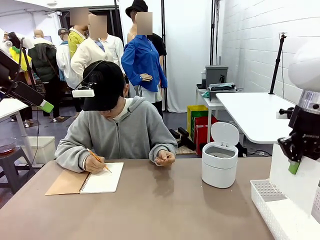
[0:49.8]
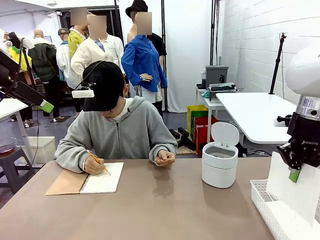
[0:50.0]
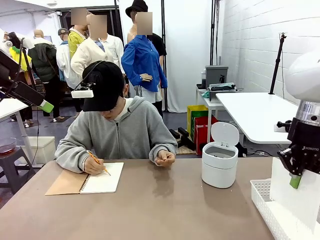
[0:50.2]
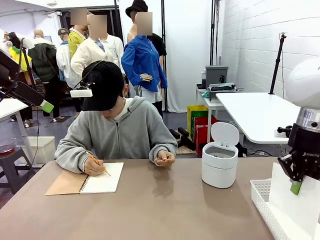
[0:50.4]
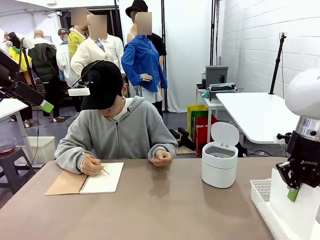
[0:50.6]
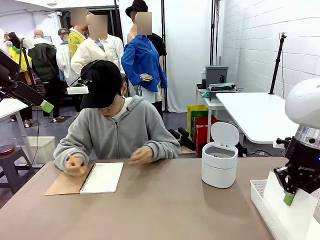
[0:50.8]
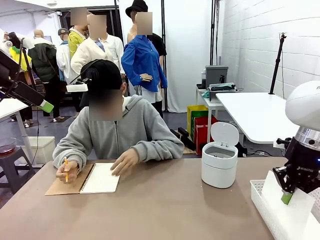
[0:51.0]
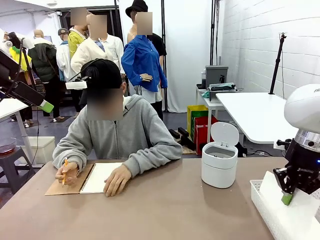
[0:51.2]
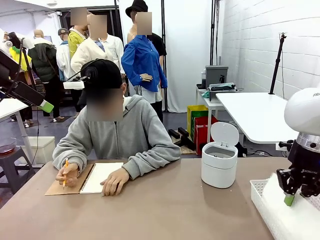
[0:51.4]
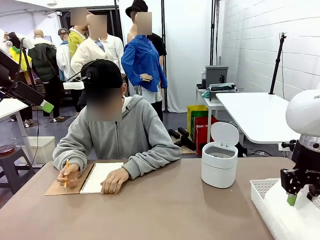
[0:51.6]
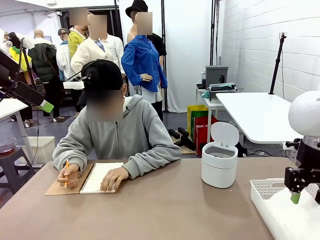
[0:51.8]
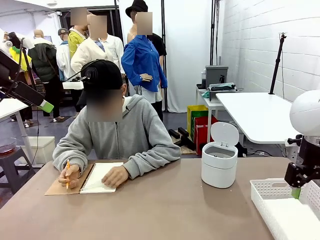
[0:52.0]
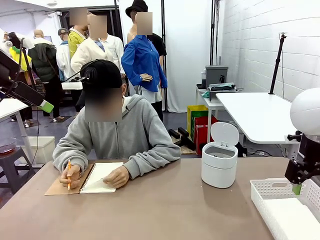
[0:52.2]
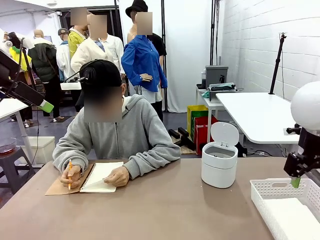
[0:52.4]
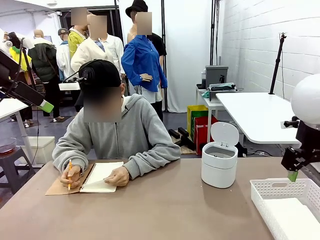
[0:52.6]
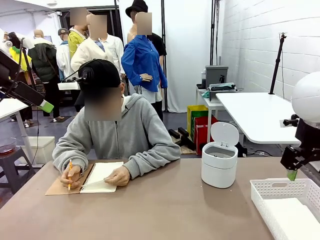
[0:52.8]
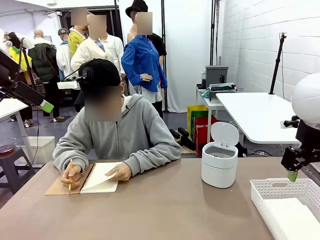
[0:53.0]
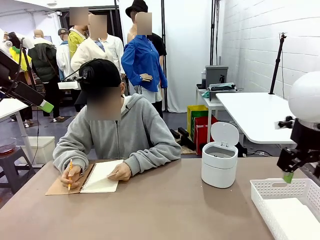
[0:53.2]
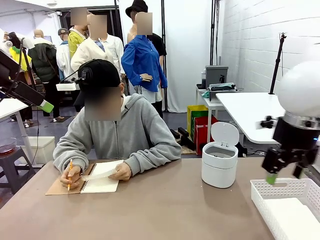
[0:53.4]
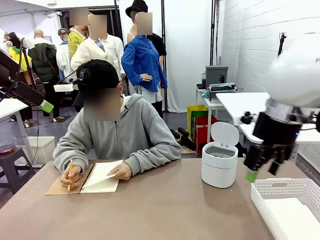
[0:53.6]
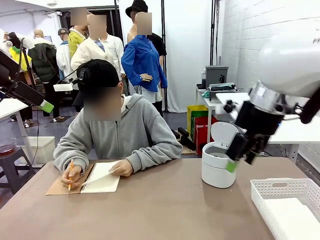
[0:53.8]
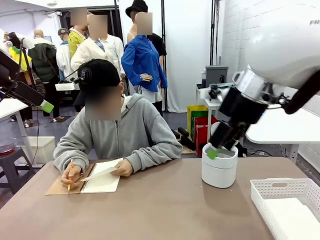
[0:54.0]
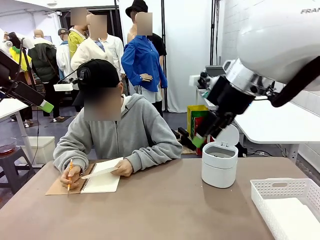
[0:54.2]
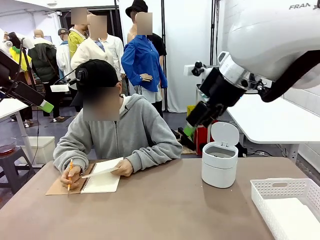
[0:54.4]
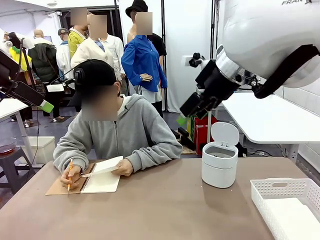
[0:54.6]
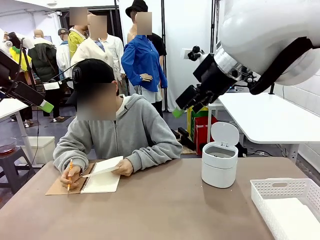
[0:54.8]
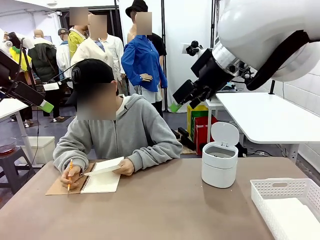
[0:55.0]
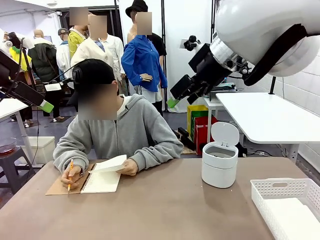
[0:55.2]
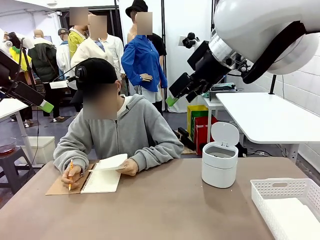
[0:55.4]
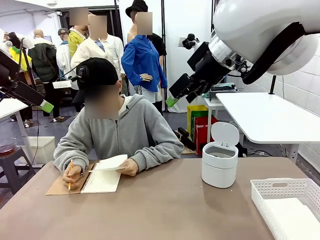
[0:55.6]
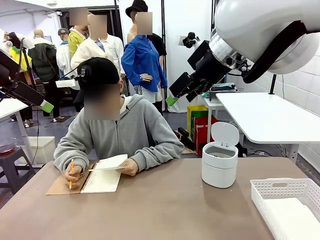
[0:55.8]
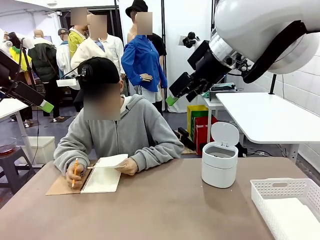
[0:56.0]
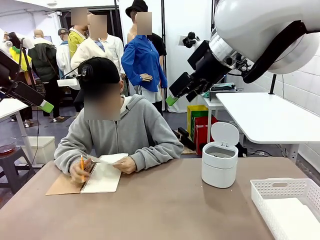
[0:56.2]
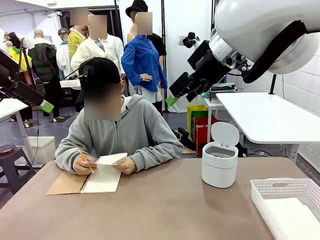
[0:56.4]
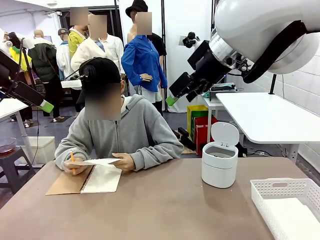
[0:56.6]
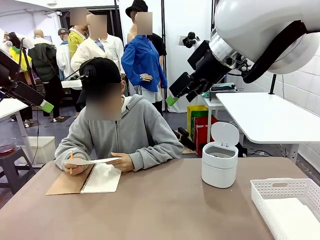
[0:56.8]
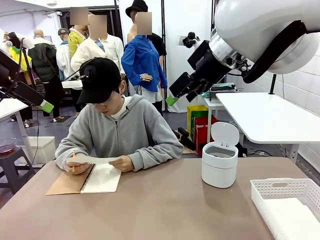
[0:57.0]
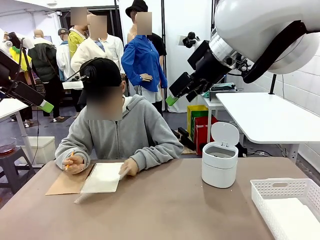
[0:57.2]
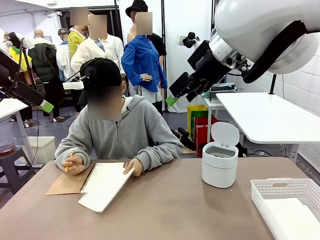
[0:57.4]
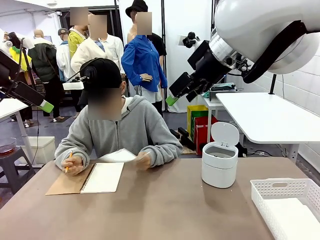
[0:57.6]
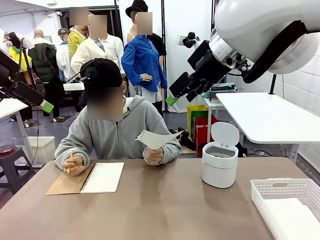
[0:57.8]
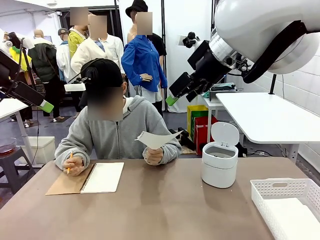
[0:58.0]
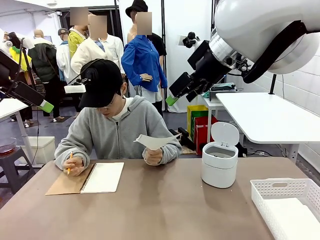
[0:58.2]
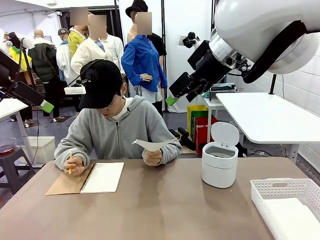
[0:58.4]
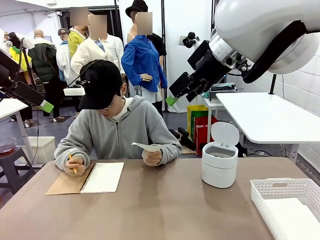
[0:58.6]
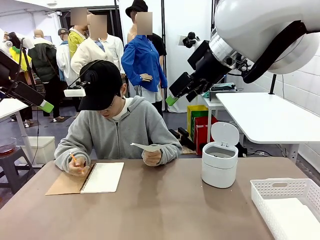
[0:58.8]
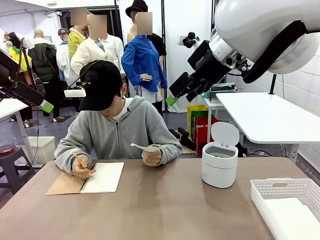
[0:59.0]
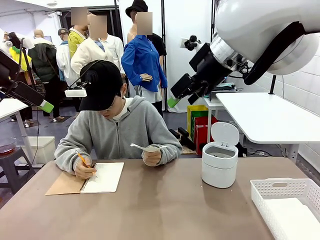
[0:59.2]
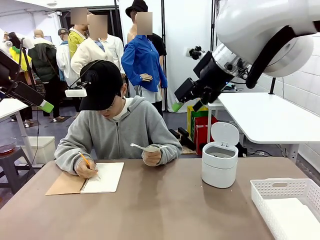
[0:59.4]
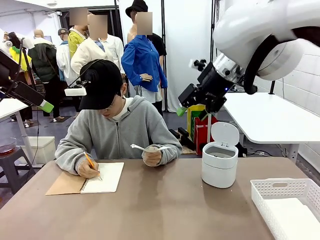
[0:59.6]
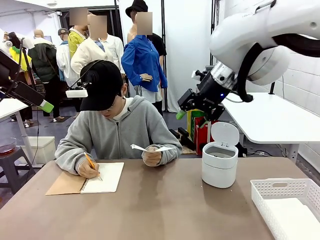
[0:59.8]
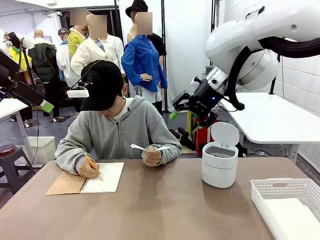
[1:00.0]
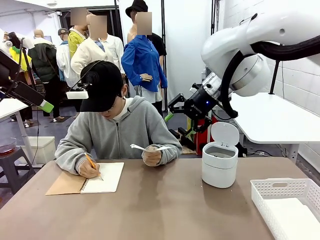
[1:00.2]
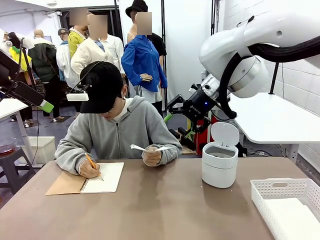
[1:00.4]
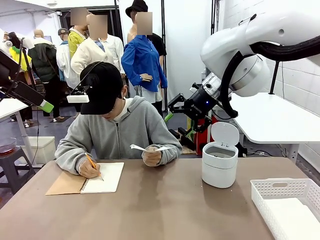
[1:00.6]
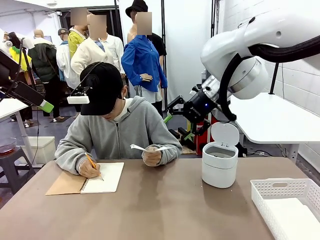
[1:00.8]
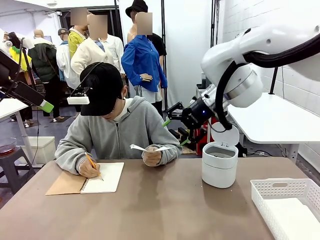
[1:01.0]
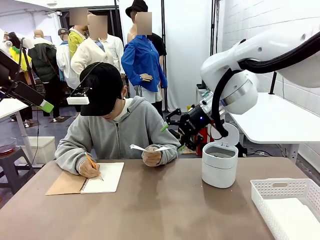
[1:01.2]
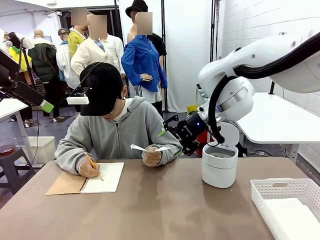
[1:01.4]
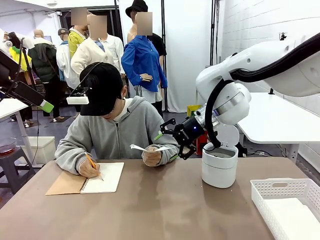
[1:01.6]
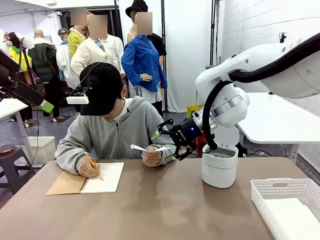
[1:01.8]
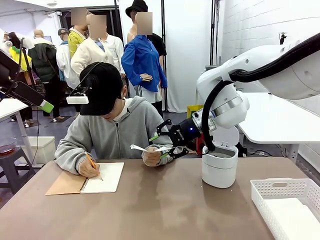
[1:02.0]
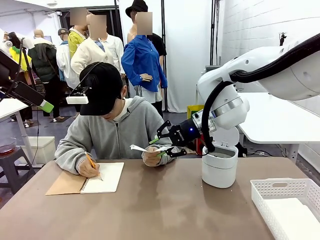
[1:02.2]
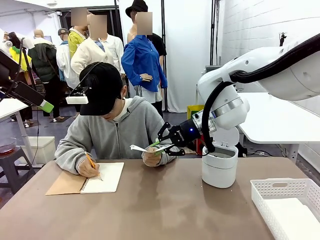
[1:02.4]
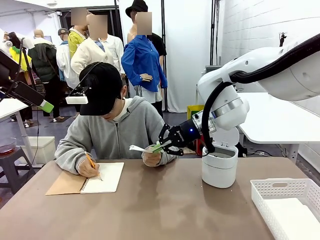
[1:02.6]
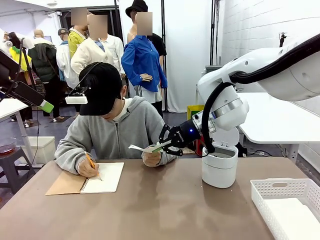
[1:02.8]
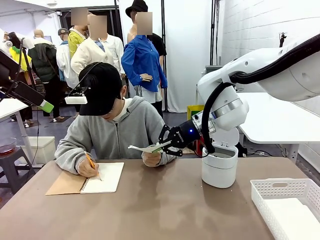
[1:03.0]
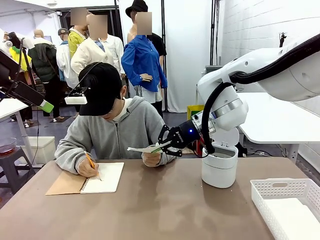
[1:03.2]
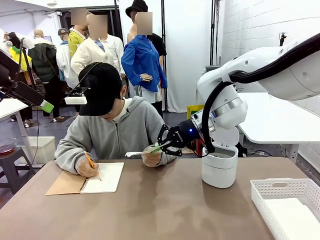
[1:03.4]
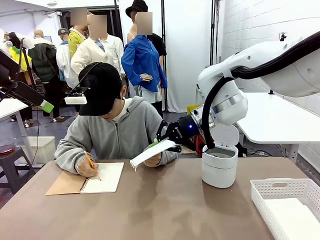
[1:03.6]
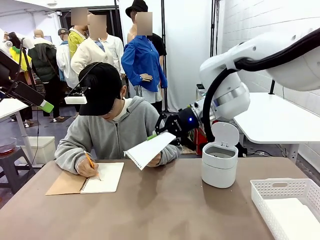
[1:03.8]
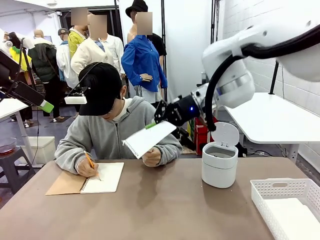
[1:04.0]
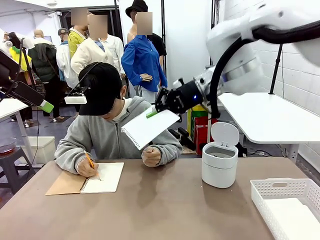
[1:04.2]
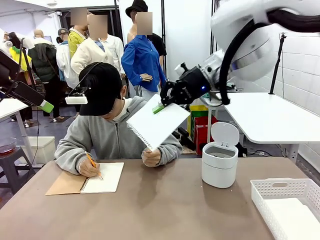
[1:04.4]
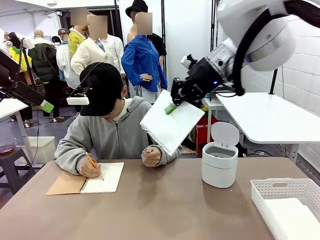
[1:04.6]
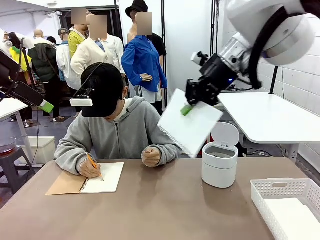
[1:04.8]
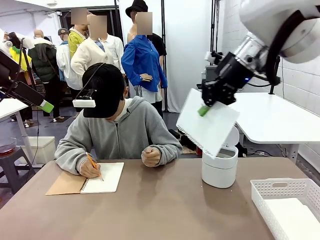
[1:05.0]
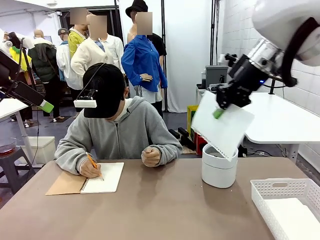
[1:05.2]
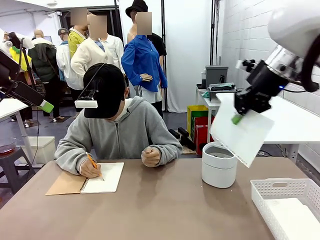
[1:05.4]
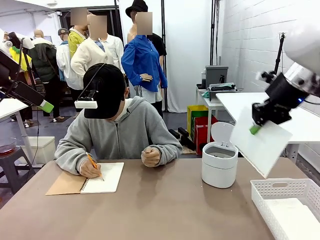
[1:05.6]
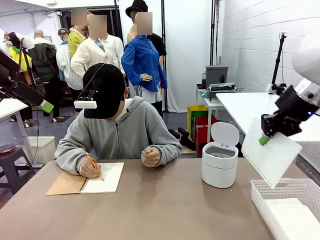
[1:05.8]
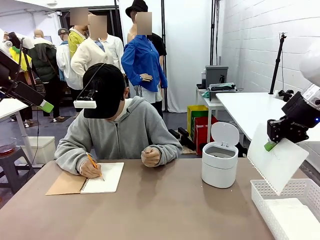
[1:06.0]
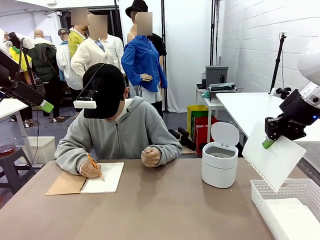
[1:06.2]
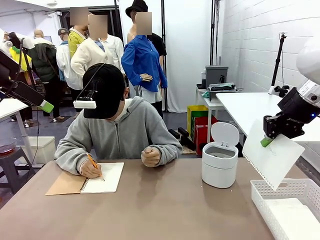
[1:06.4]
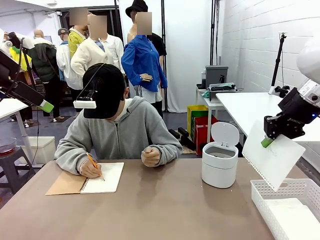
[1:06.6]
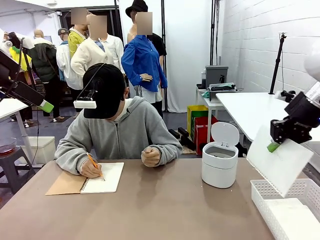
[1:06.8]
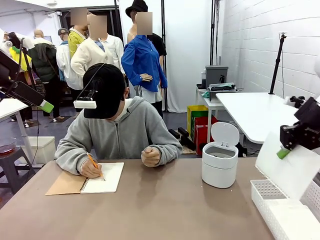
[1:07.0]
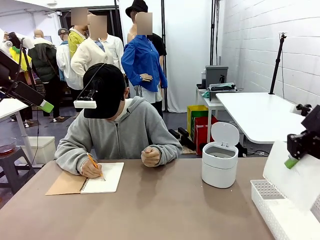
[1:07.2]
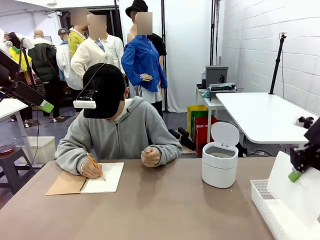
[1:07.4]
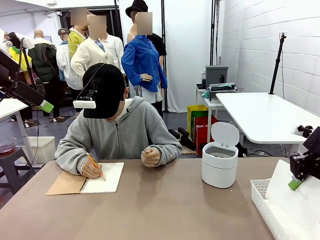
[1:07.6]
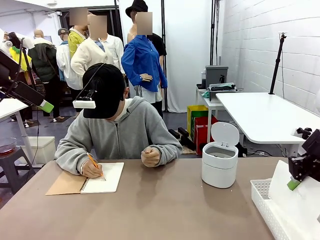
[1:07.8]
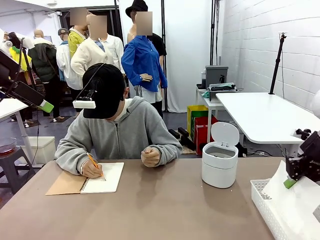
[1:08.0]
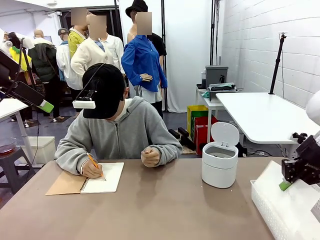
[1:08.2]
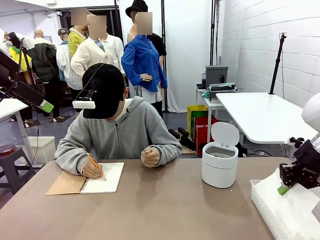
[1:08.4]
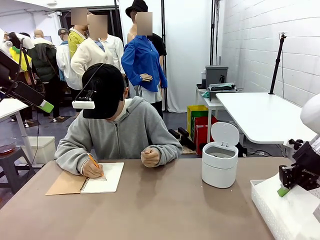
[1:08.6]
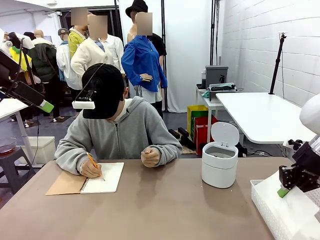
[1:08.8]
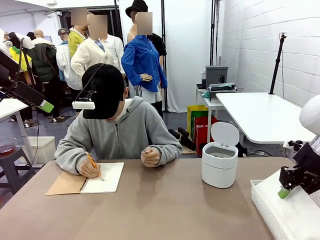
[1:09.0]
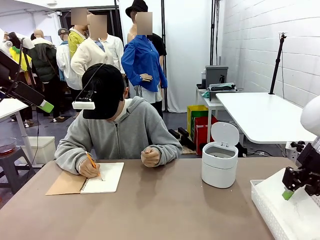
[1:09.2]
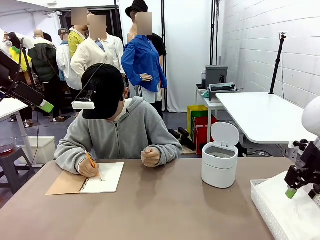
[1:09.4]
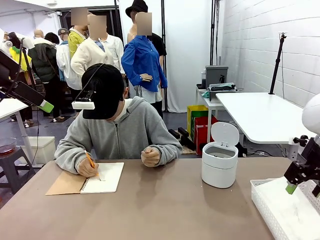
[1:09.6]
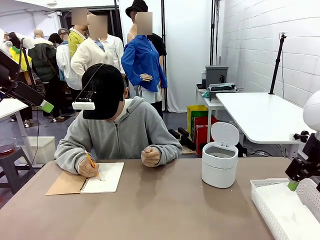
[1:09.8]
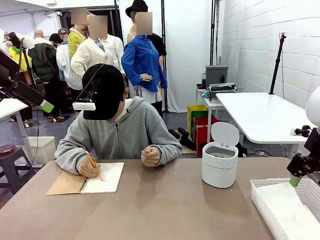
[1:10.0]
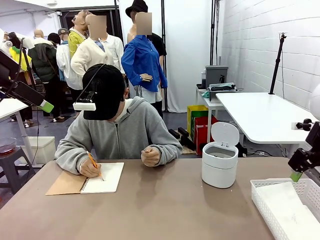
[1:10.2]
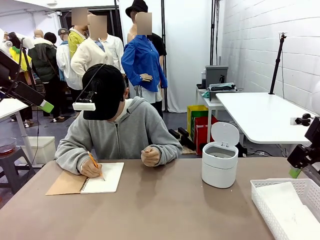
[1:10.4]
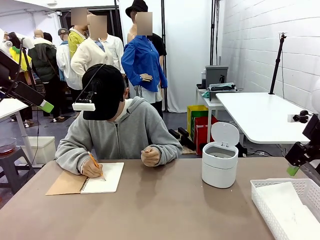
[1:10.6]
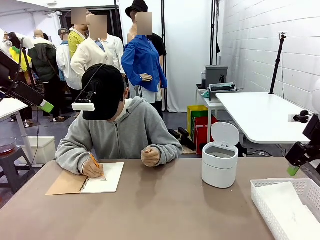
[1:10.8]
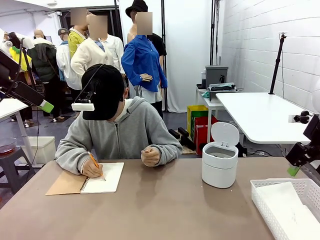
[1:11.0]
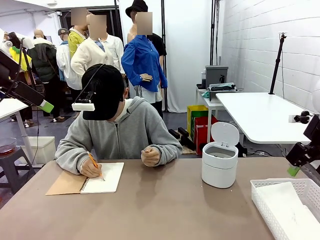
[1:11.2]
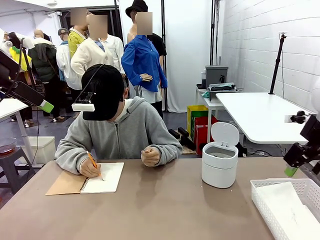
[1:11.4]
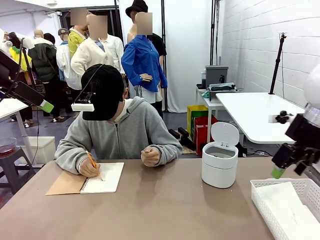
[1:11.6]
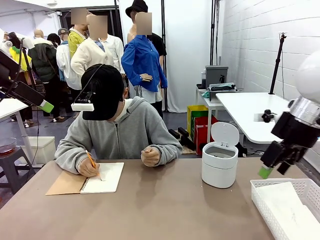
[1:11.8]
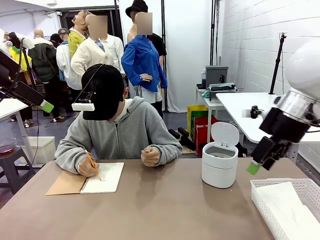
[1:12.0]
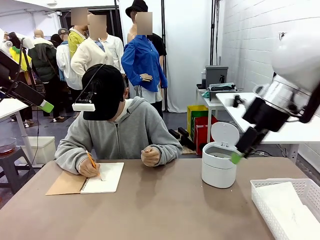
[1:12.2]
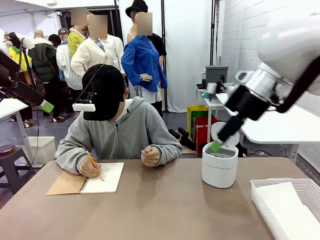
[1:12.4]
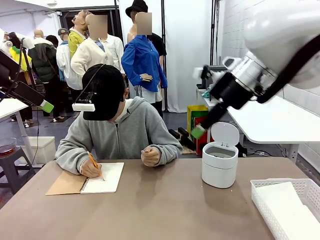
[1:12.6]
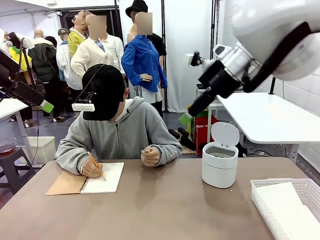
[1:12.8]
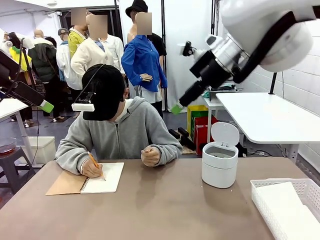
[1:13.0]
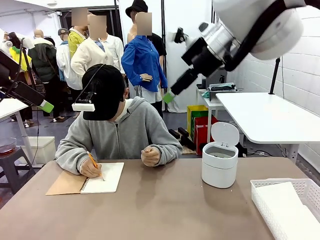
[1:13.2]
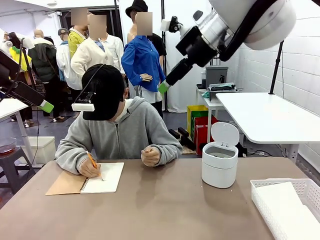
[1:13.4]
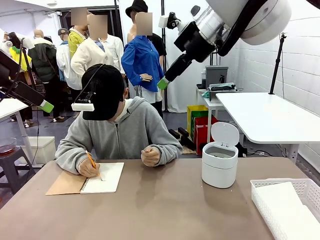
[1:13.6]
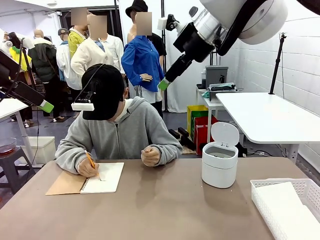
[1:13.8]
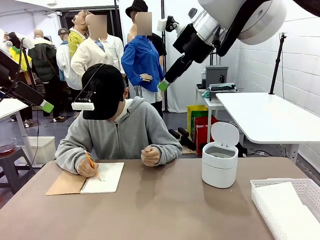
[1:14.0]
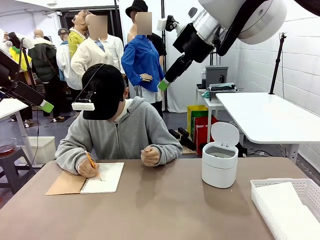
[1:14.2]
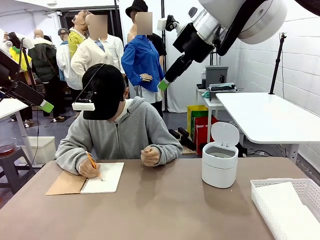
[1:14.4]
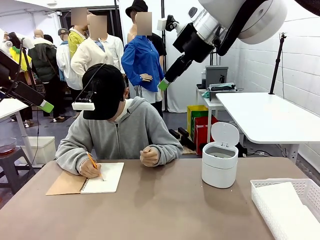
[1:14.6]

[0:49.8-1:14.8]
Task: Sort the paper based on its condition.
Robot: If a person hands you a paper, place it in the Organizing basket , and if it's crumpled, put it in the Trash can.
Person: Hand the torn page to the robot or crumple it and throw it to the center of the table.
